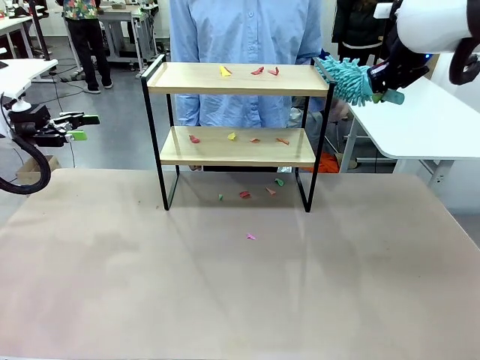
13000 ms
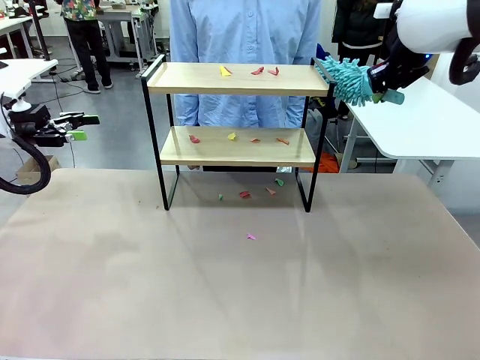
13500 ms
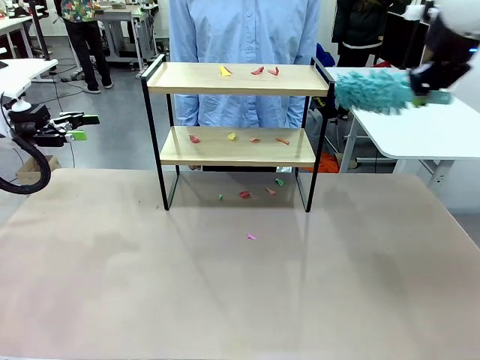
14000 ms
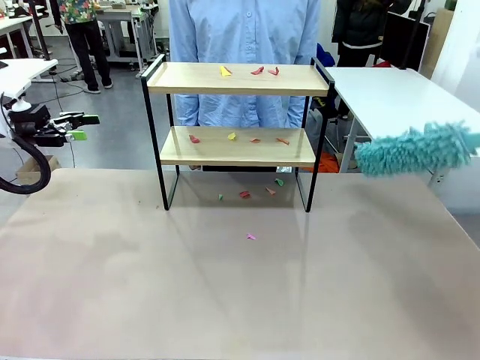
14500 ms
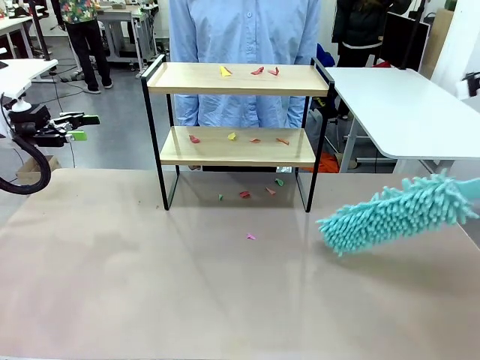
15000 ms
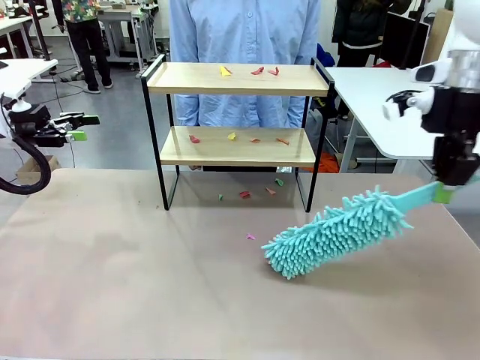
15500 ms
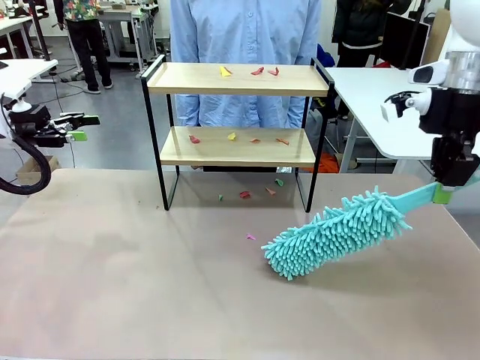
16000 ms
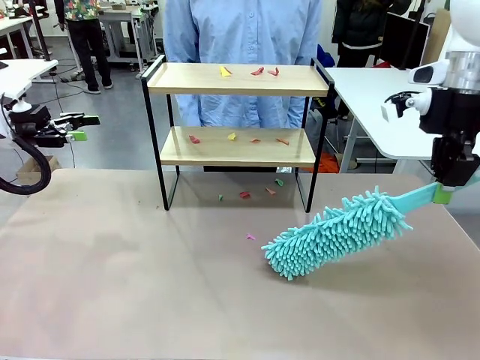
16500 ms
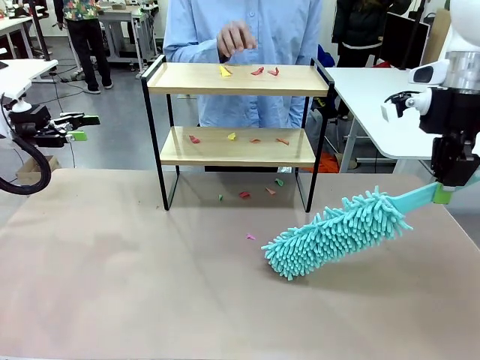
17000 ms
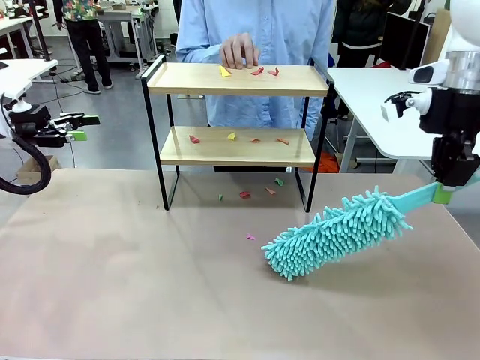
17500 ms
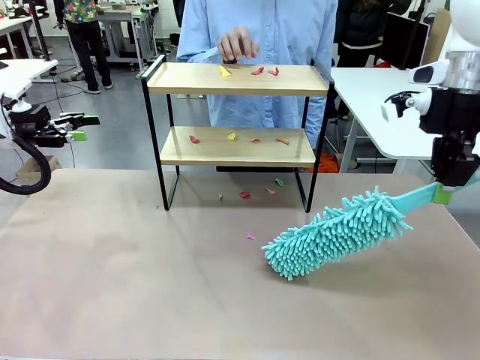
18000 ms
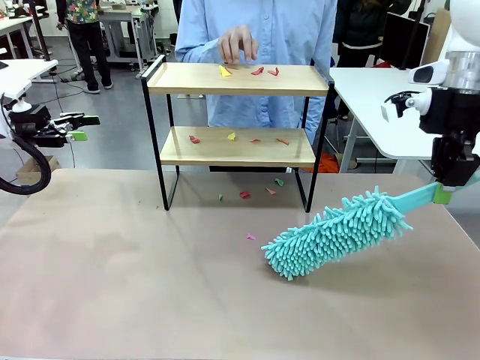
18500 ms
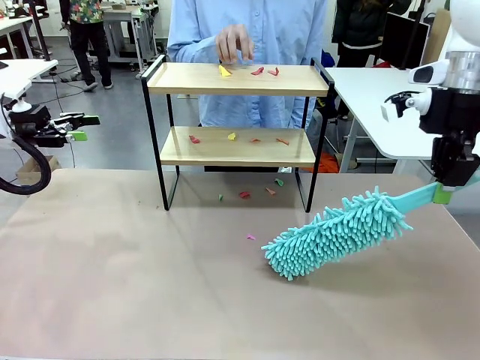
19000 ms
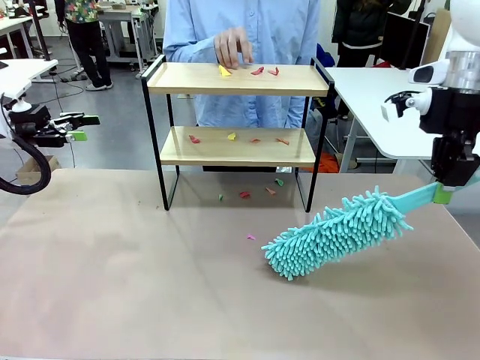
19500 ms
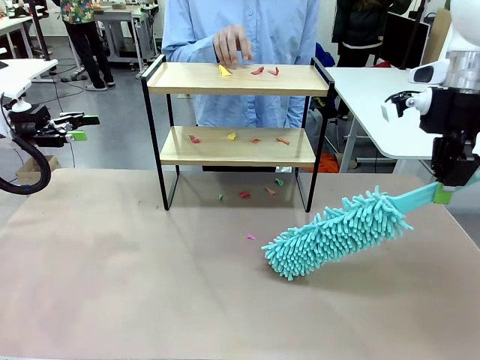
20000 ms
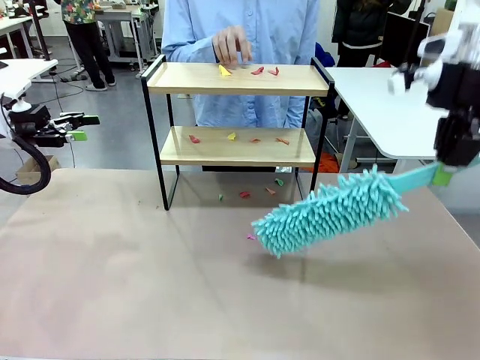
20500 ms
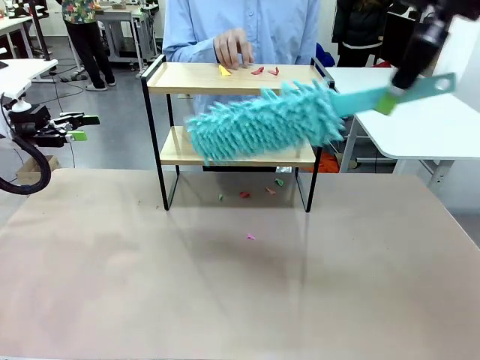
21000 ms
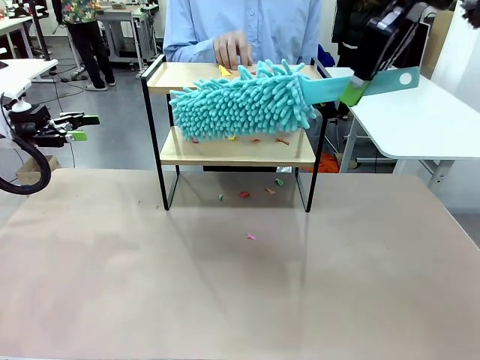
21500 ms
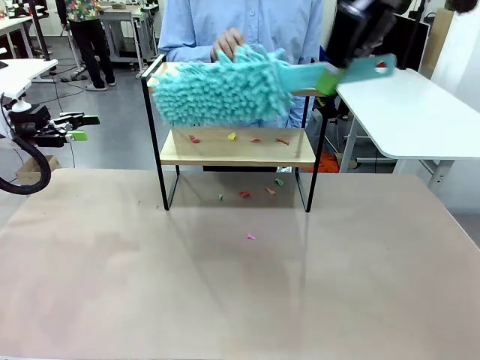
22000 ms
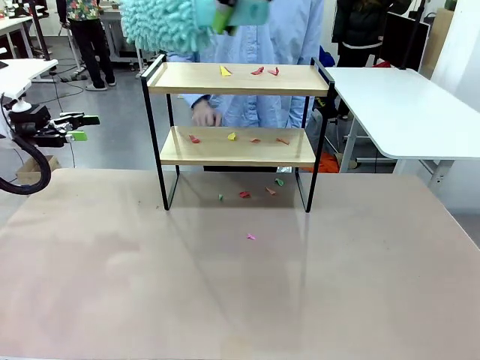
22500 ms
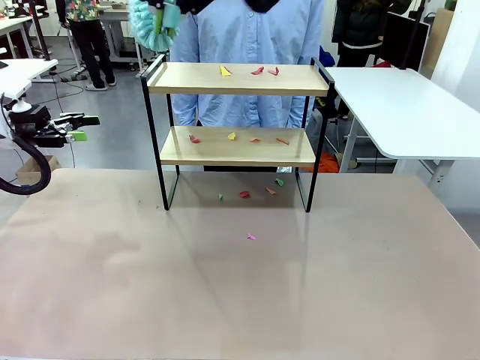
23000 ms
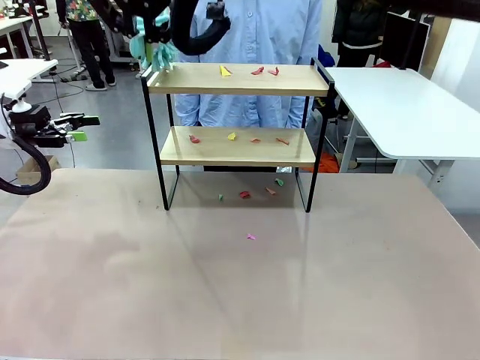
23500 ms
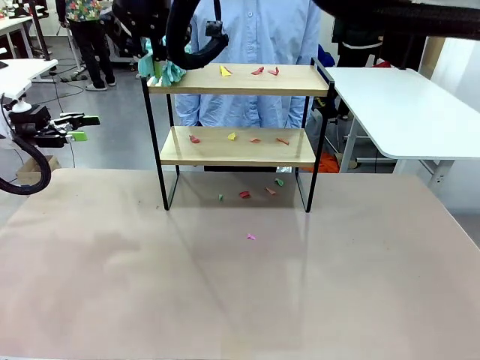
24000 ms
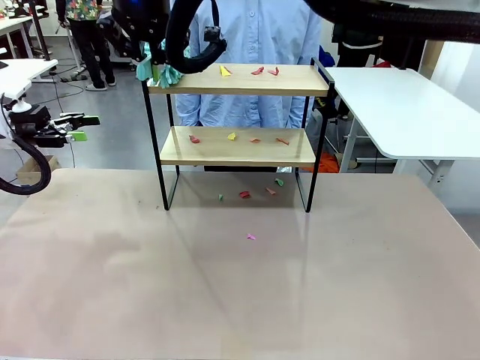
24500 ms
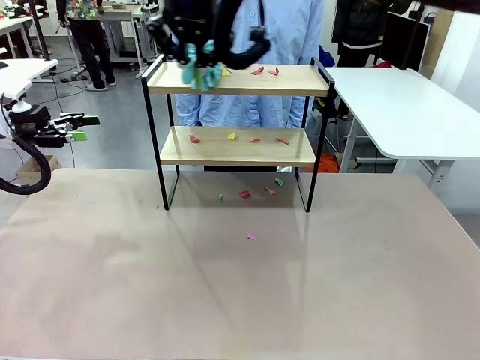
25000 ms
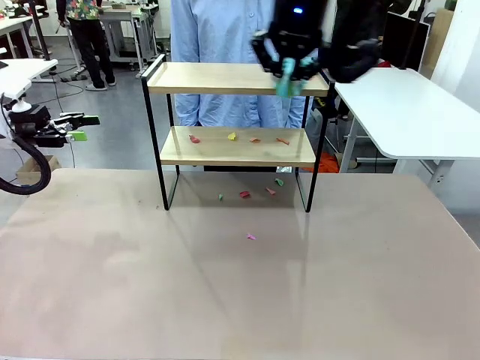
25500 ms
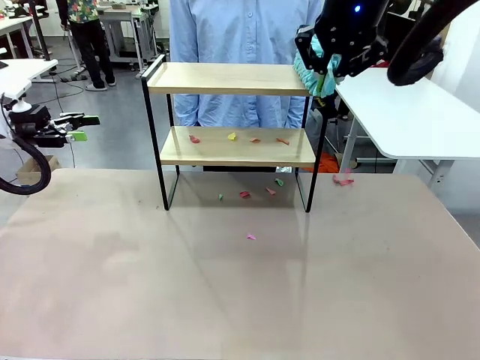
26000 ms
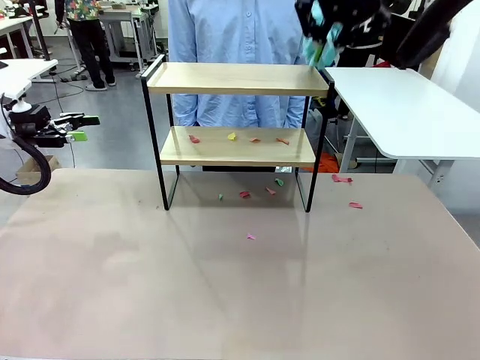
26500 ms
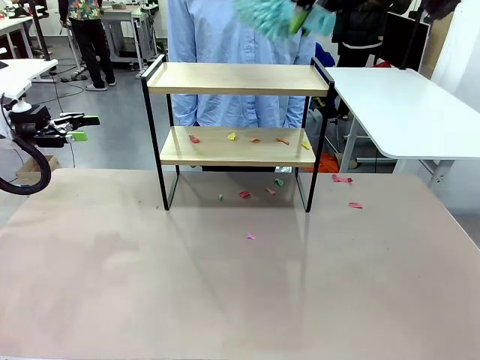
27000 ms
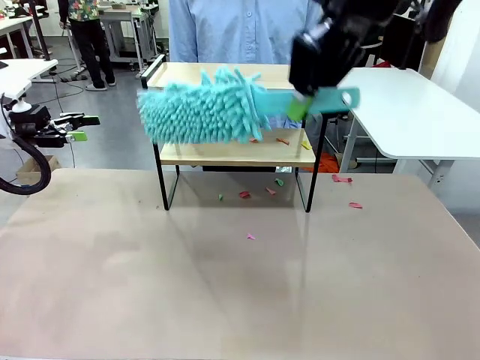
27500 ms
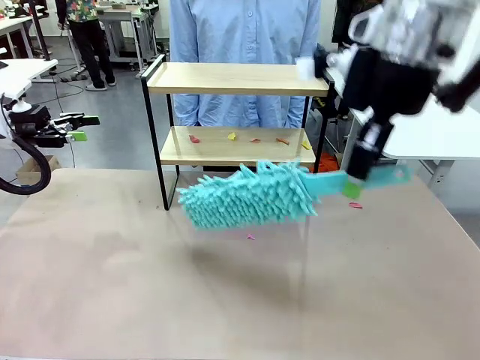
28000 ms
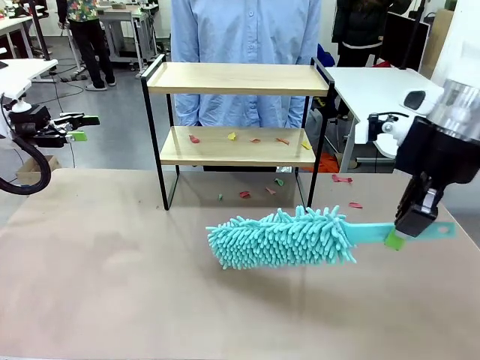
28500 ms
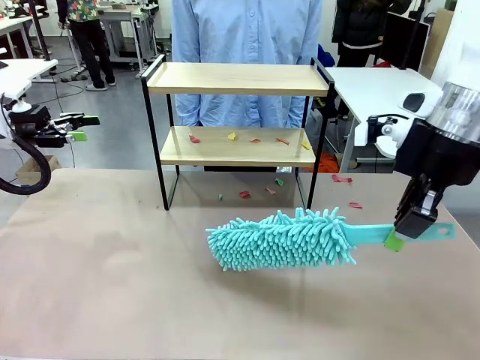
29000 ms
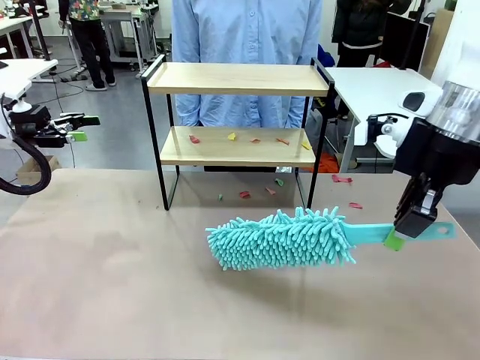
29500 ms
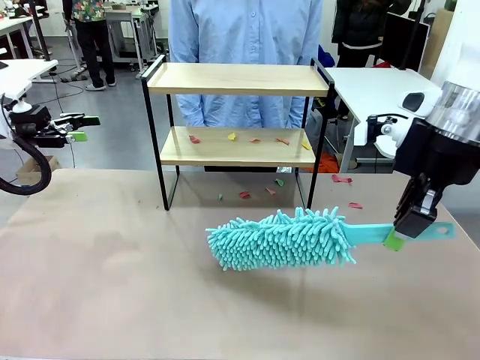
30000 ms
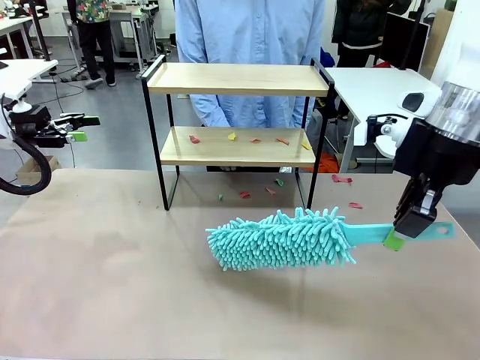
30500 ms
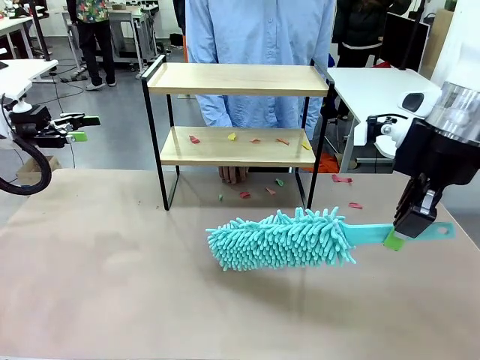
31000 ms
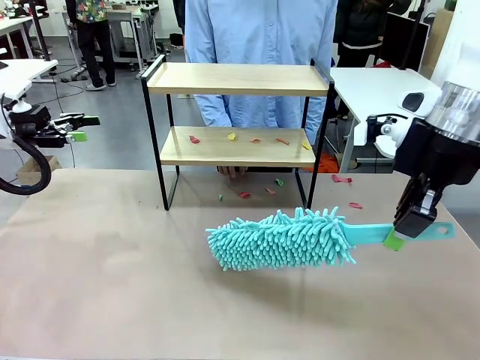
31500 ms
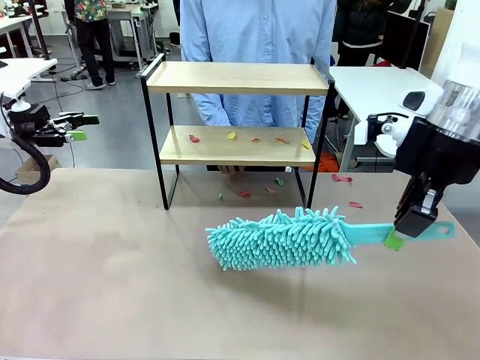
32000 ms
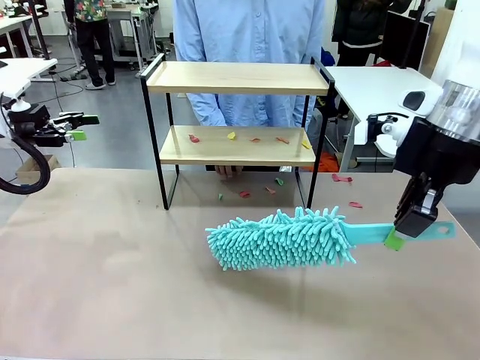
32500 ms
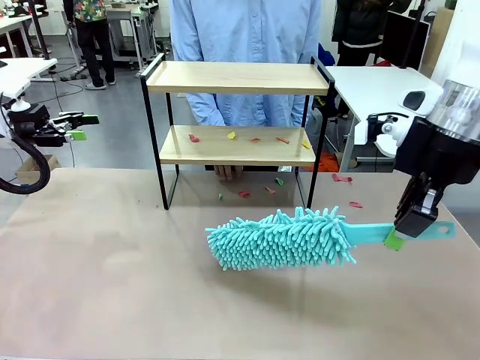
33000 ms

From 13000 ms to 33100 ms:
Task: Clean the shelf.
Robot: Clean the specific section of the Shelf indicated by the human with the Duster.
Person: Point a random section of the Shelf.
